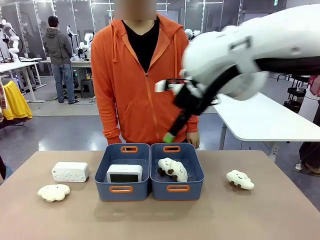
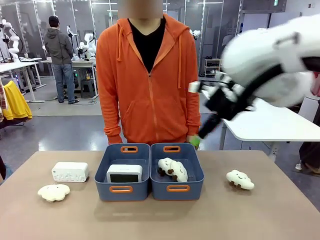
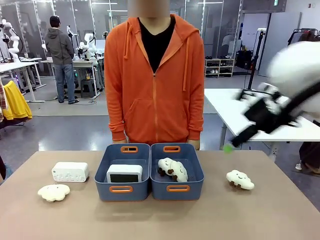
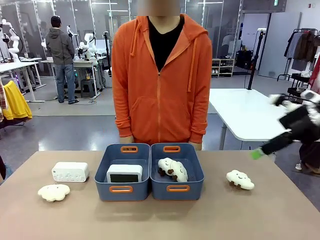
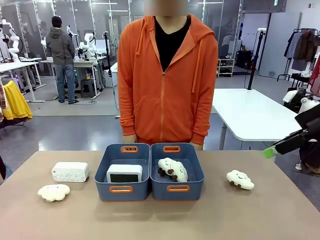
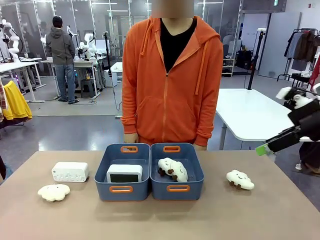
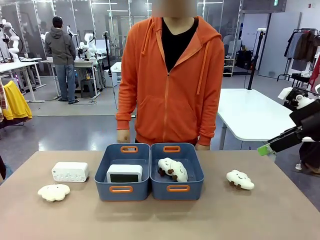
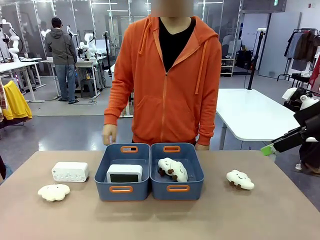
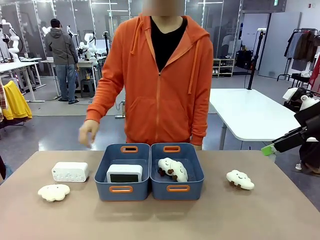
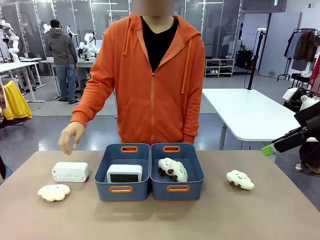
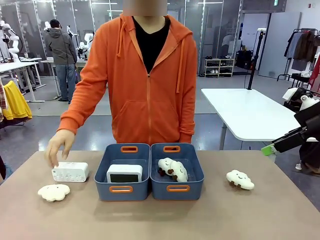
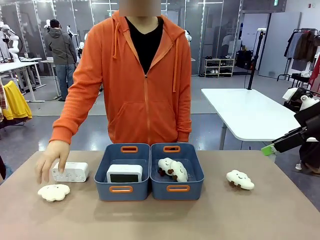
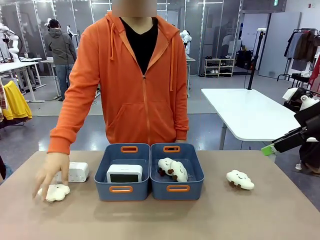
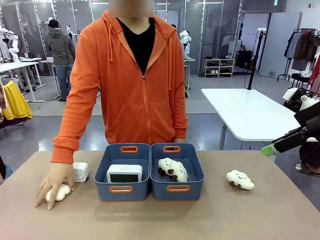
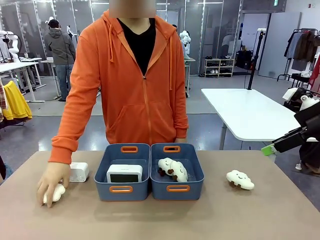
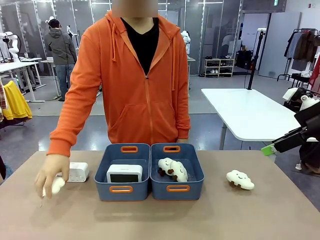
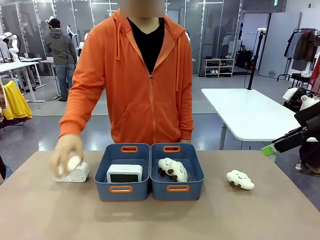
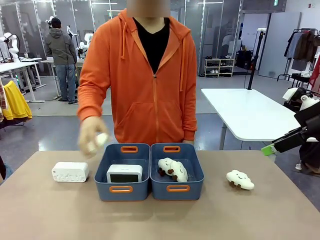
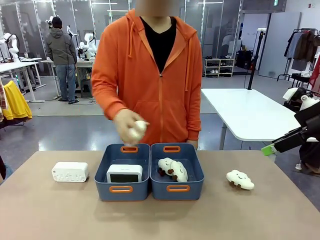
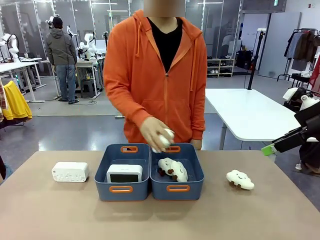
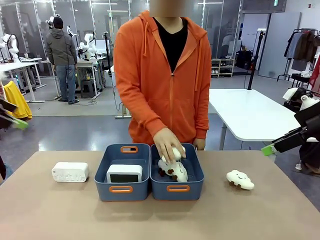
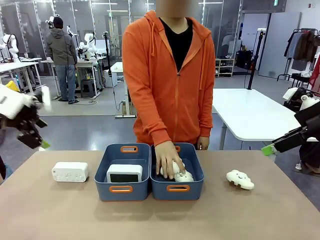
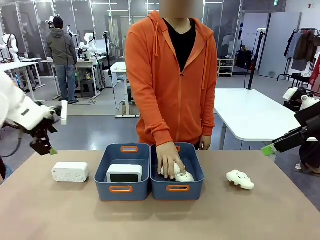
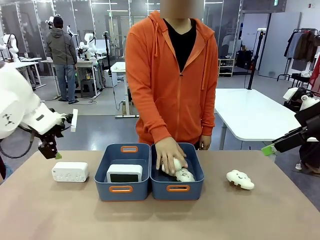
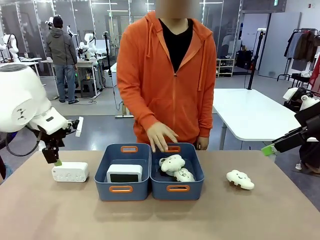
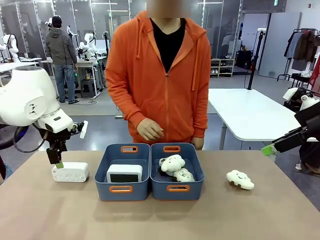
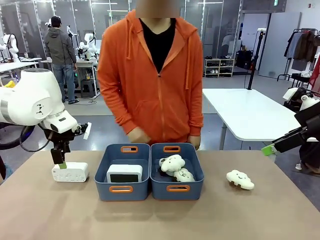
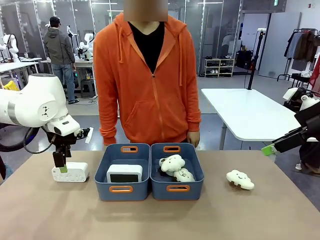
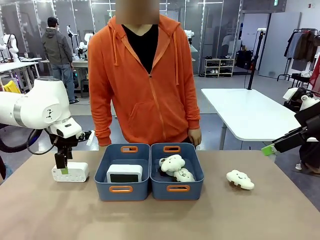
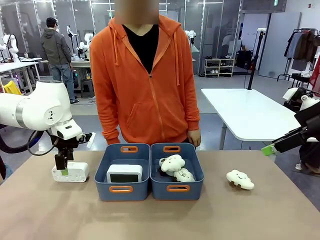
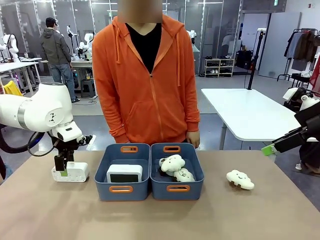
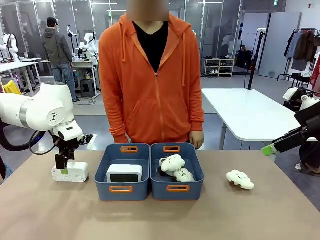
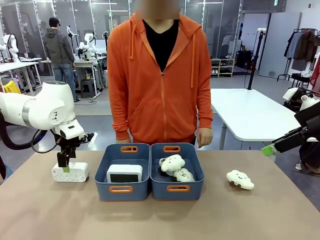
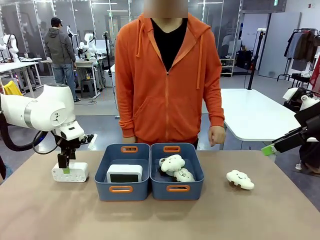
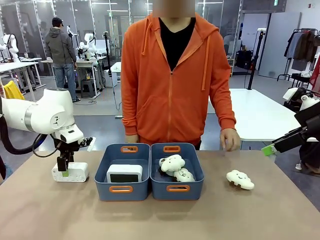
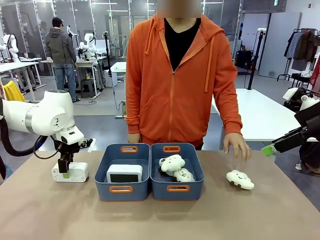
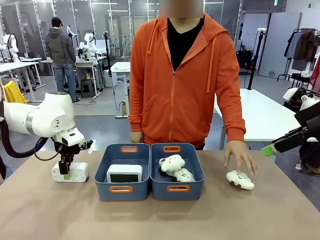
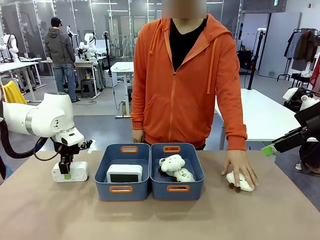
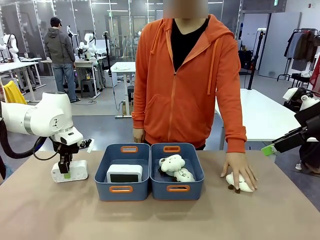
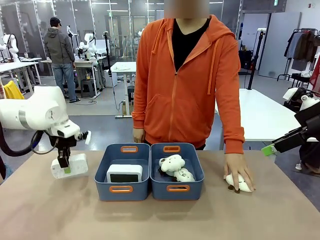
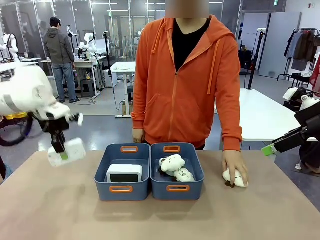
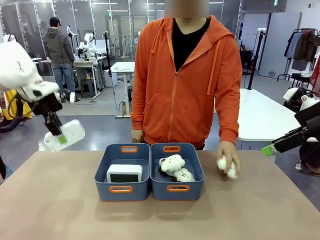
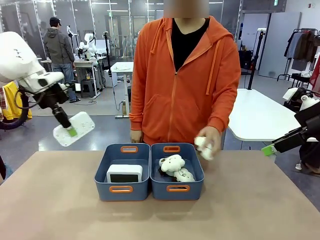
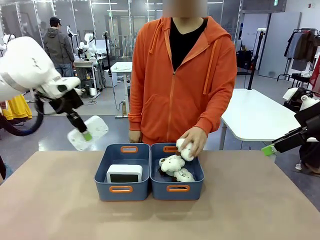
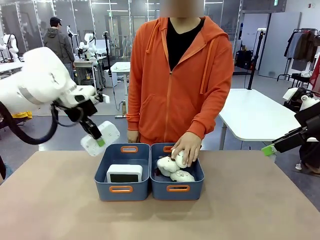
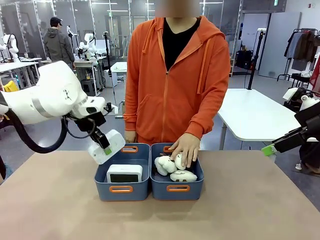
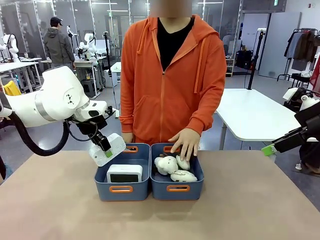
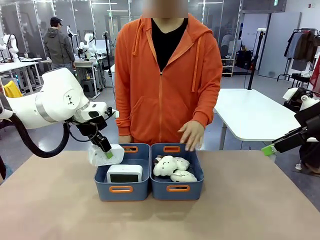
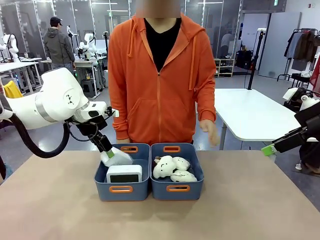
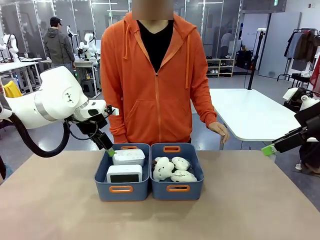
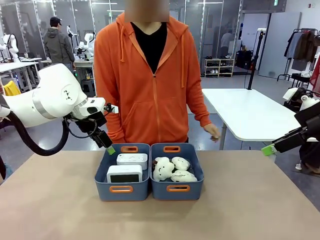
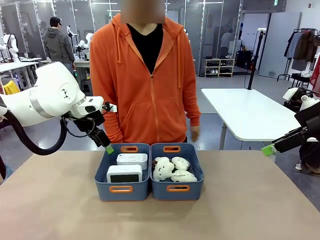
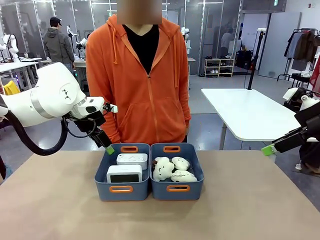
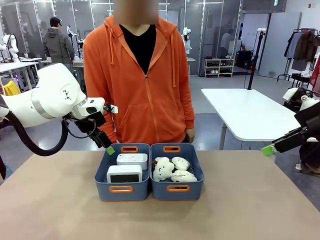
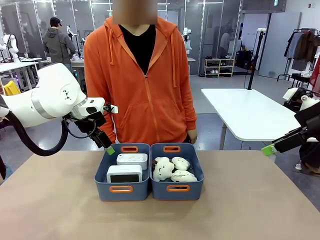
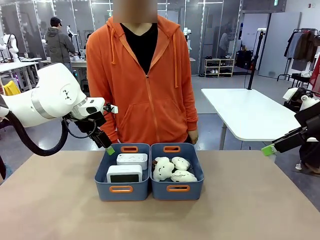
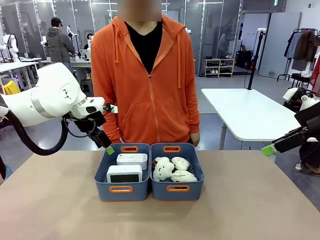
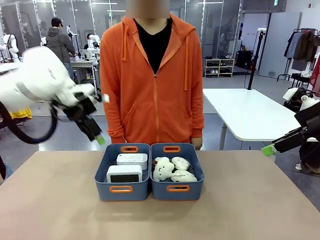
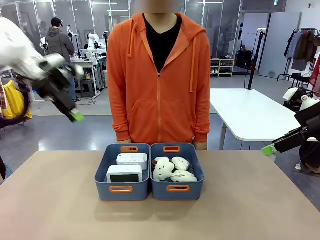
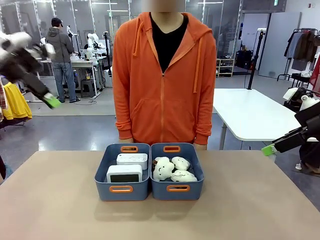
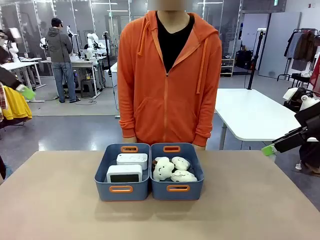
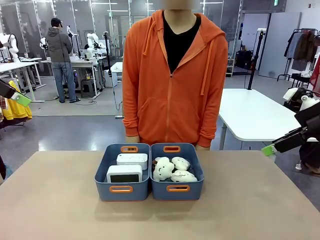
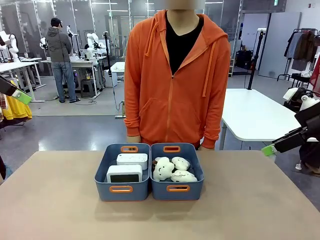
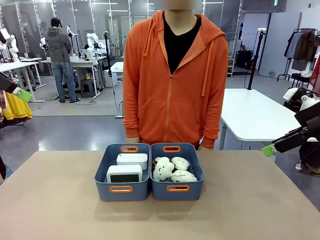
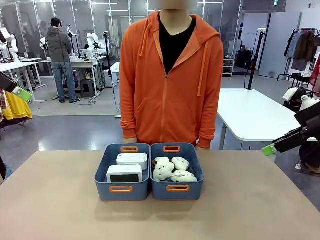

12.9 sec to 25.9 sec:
Task: Sort the digital clocks into the basket.
Robot: Pick up the Digital clock from the table and place it into the empty Plastic storage basket.
Person: Pick up a plush toy from the table and place it in the plastic storage basket containing the plush toy.

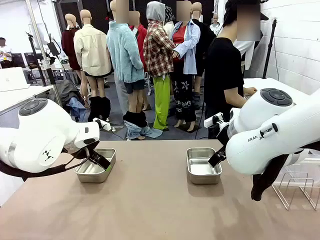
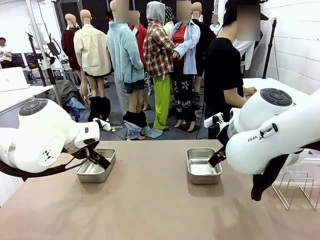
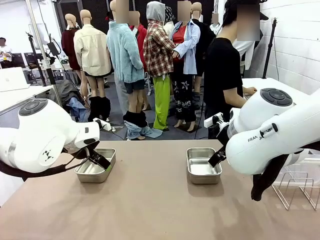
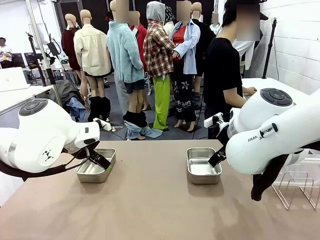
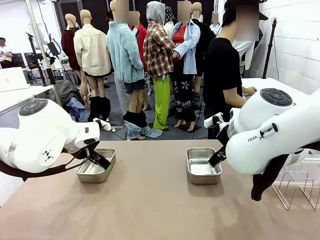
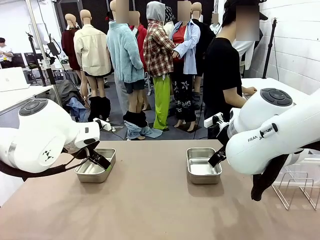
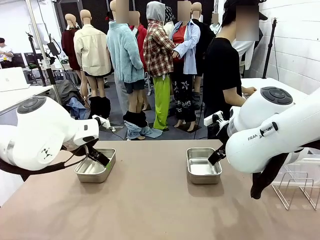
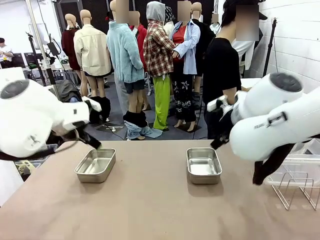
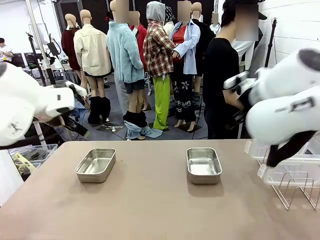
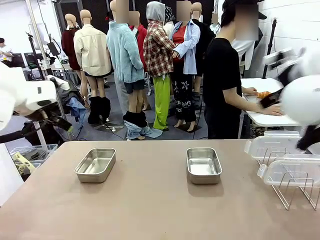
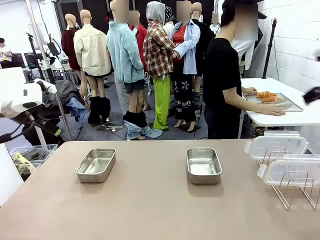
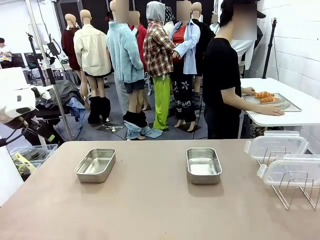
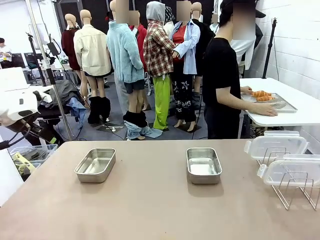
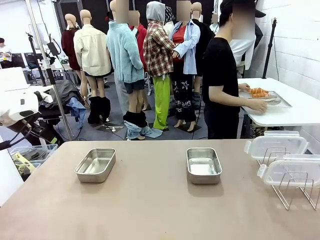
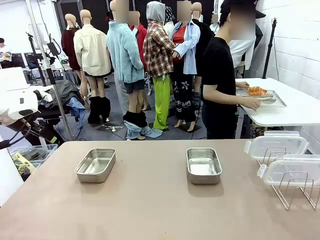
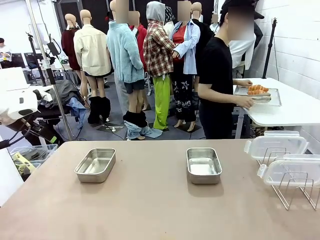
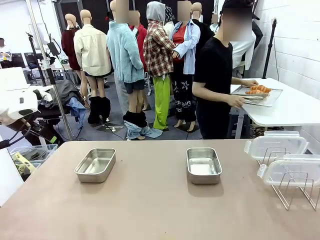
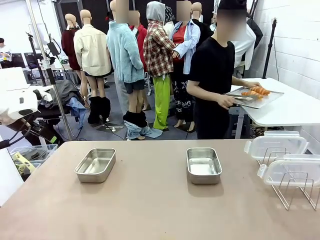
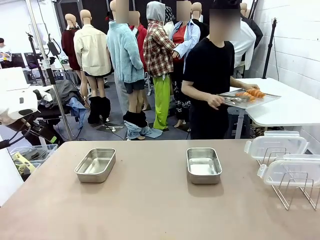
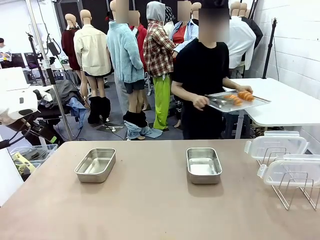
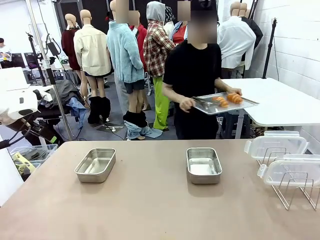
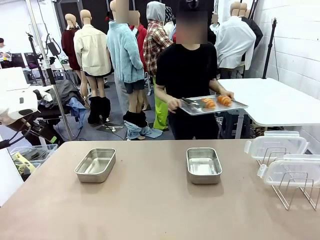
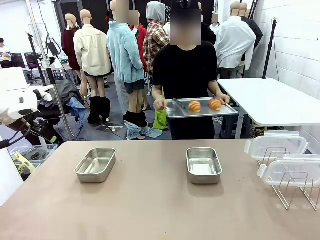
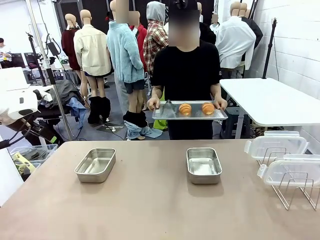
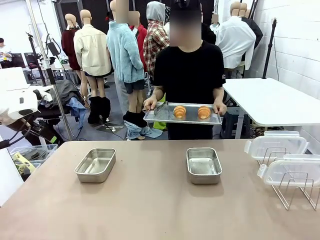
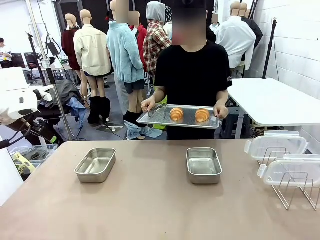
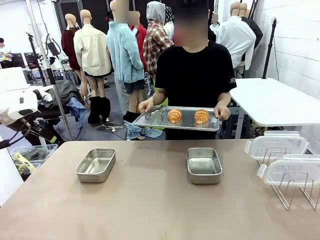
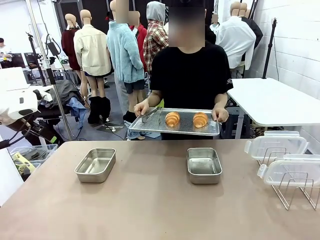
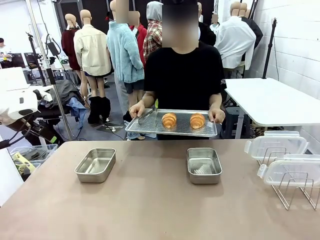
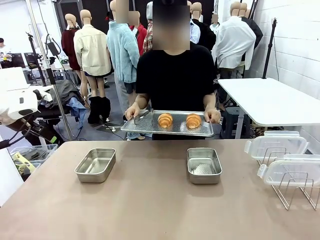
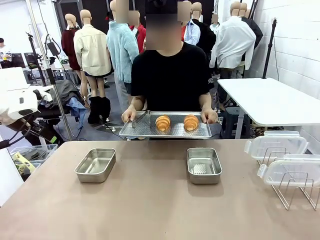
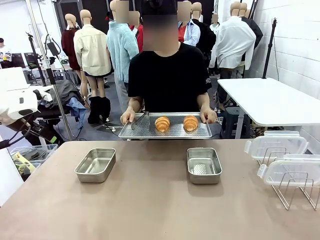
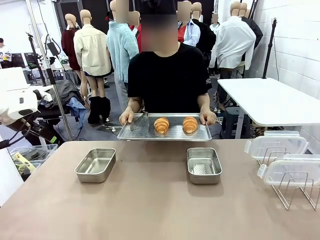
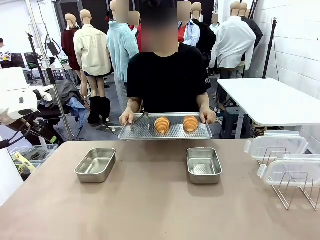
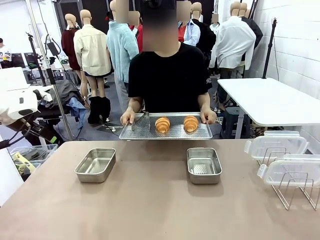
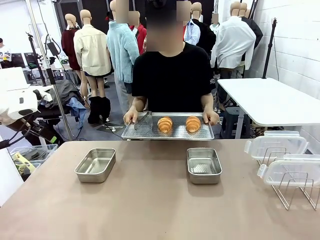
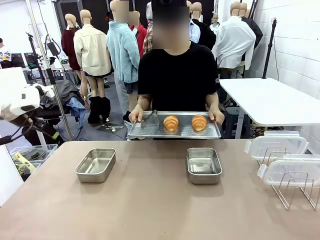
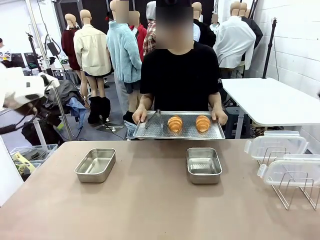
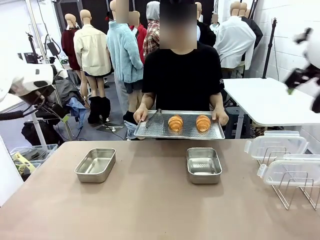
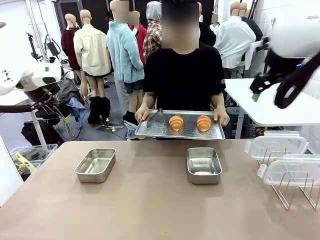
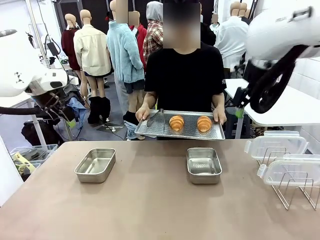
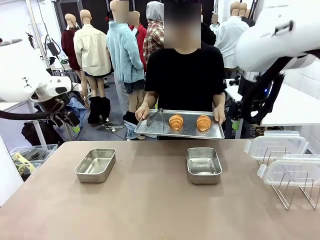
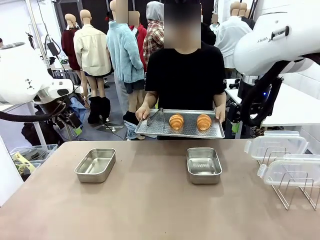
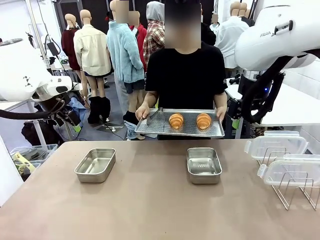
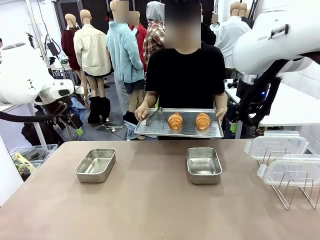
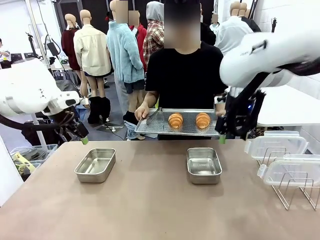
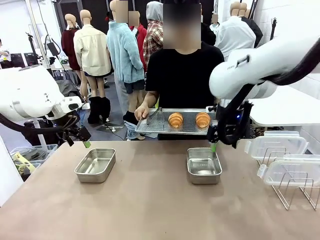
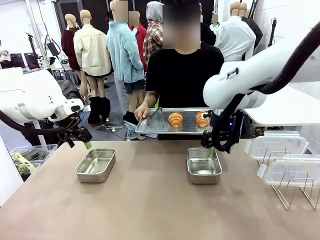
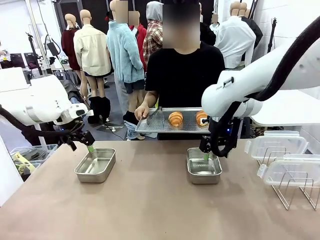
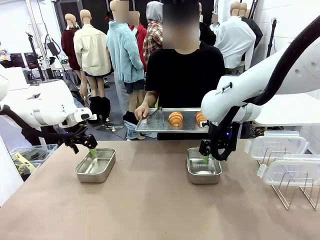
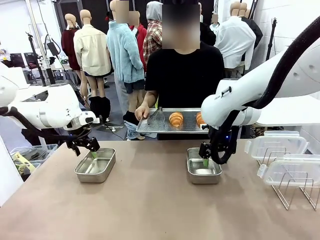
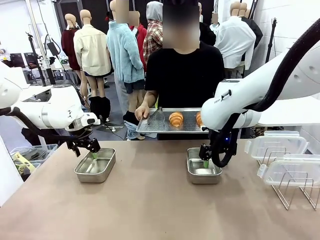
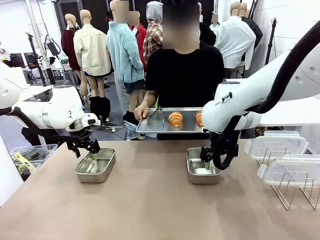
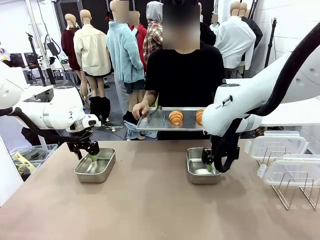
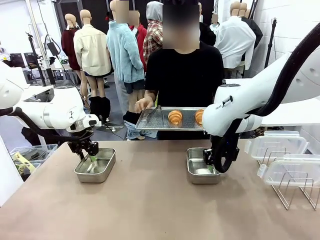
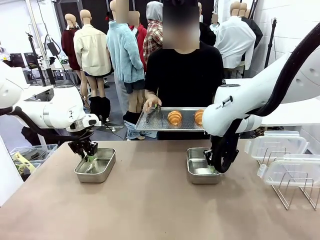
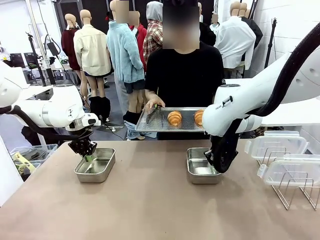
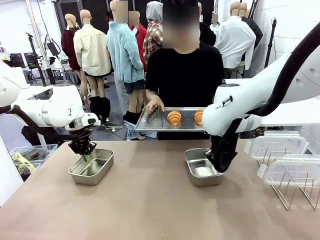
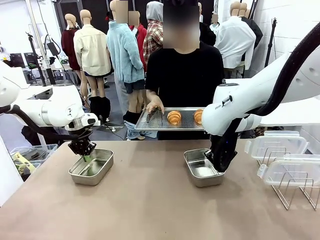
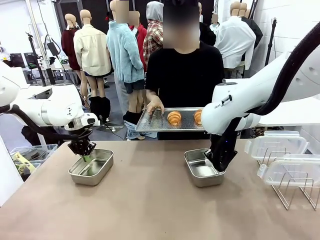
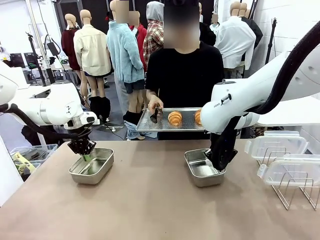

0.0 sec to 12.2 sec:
Task: Place the bread in airtight containers.
Robot: Lift both Airtight Container.
Person: Bring the Baking Sheet in front of Robot's Table.
